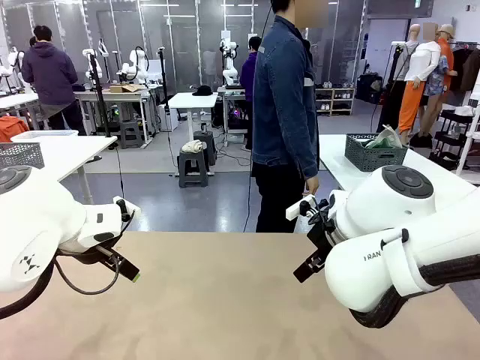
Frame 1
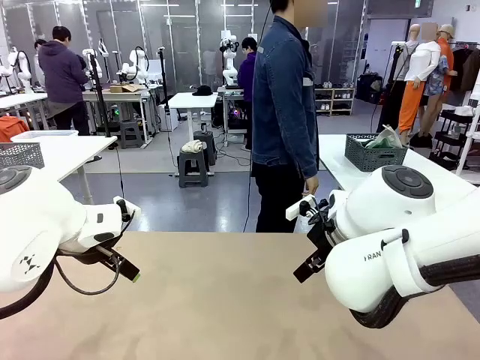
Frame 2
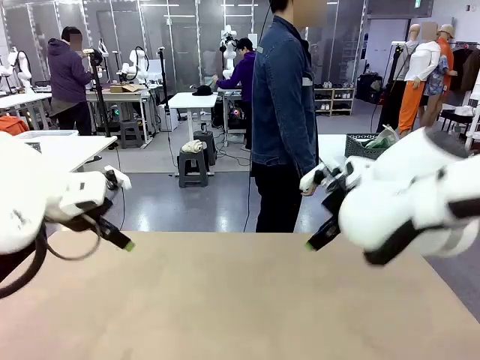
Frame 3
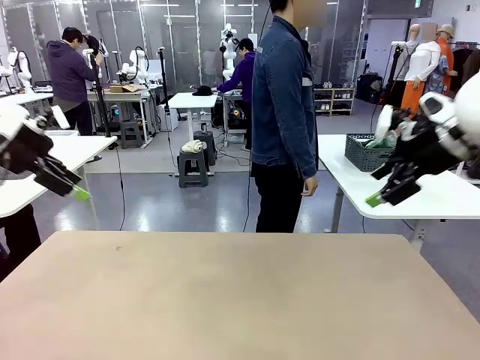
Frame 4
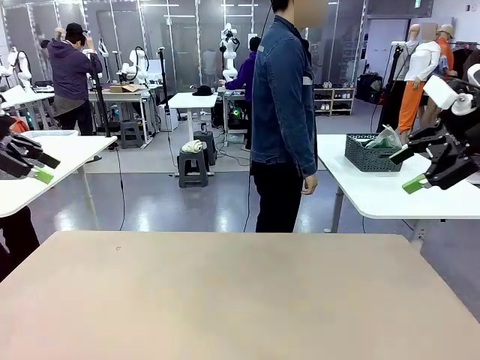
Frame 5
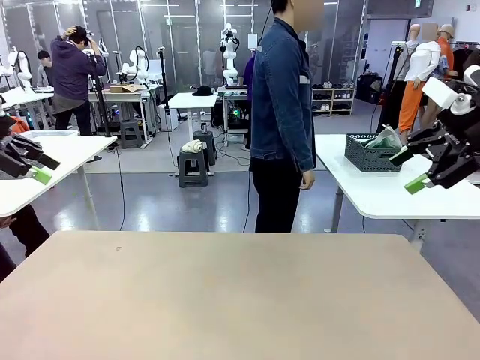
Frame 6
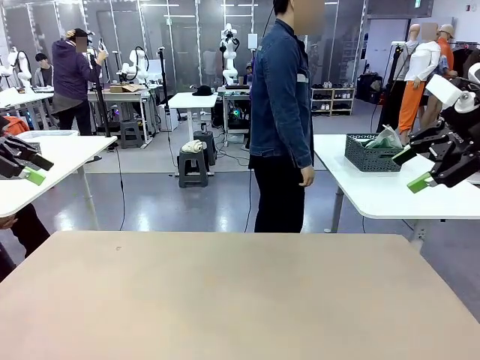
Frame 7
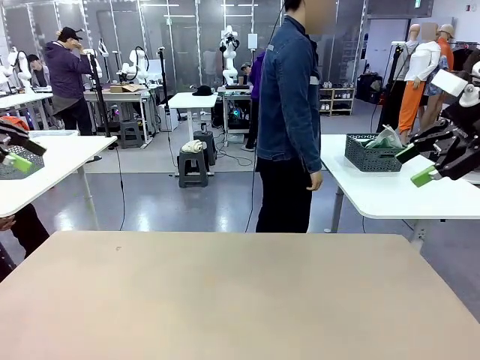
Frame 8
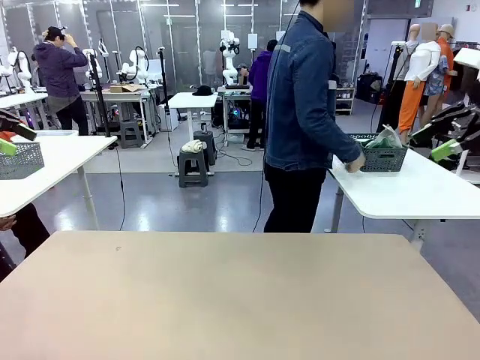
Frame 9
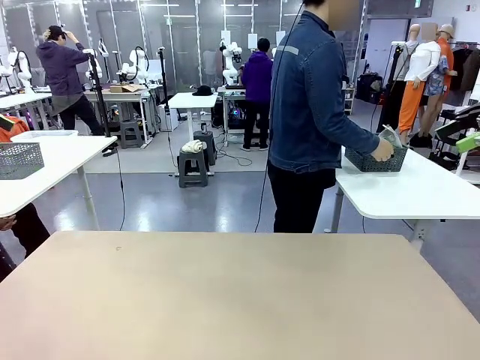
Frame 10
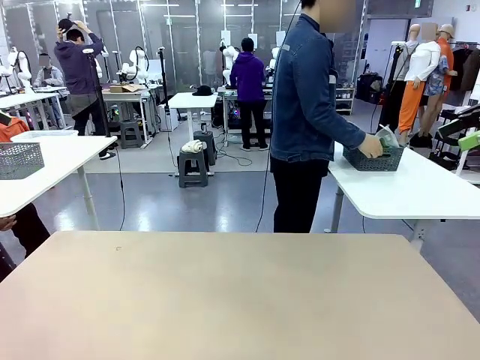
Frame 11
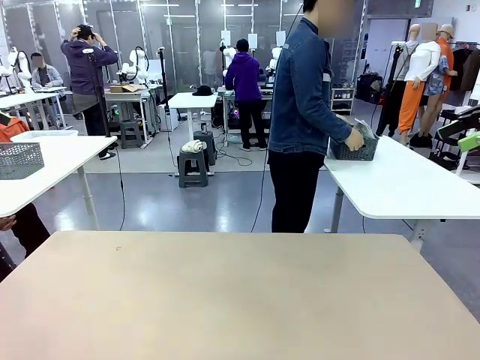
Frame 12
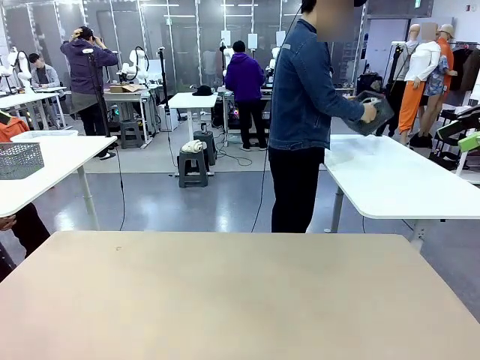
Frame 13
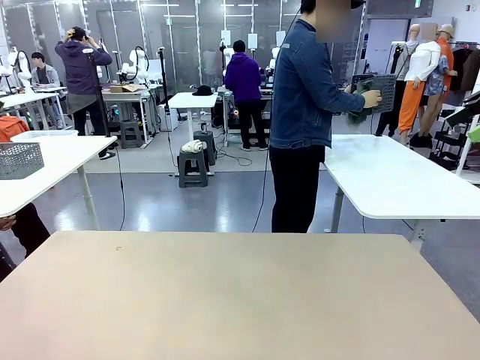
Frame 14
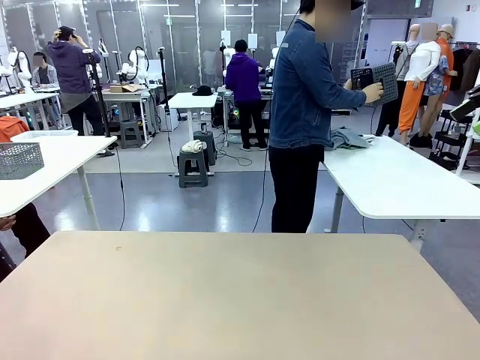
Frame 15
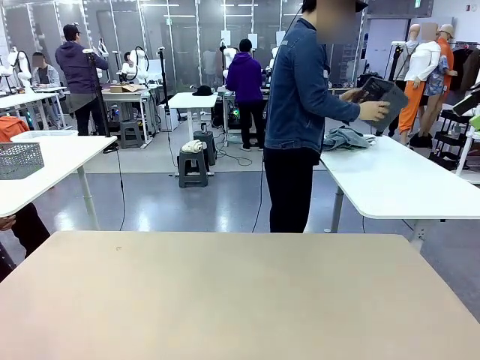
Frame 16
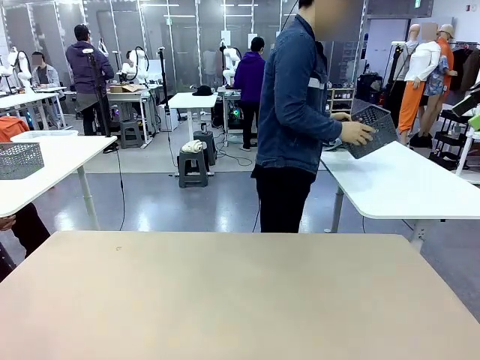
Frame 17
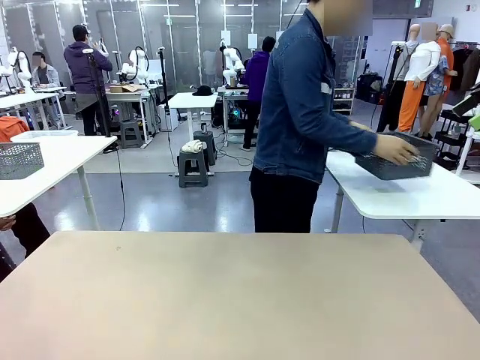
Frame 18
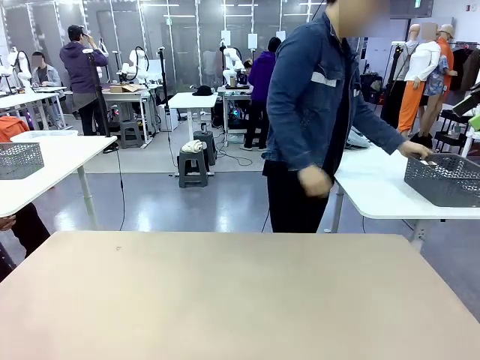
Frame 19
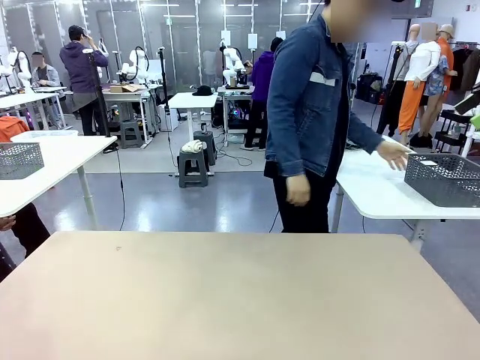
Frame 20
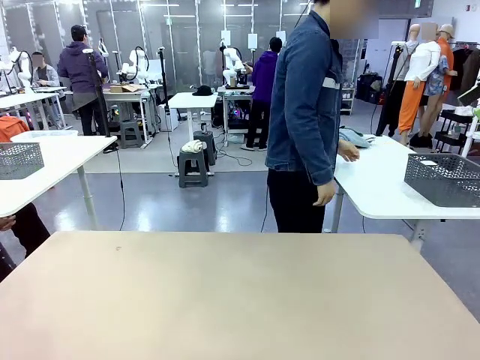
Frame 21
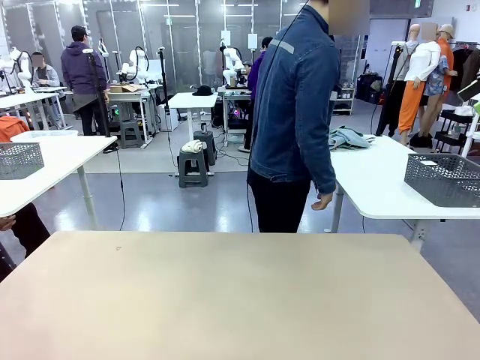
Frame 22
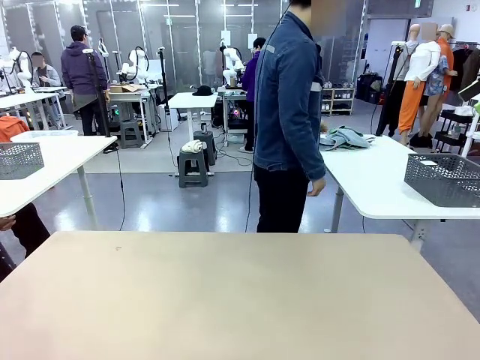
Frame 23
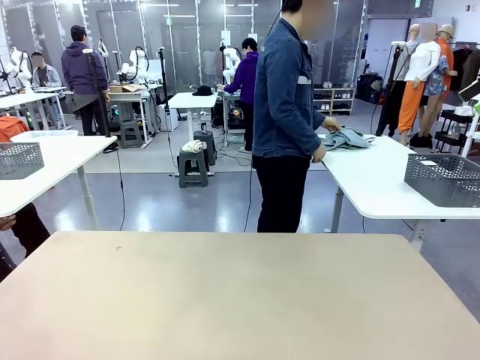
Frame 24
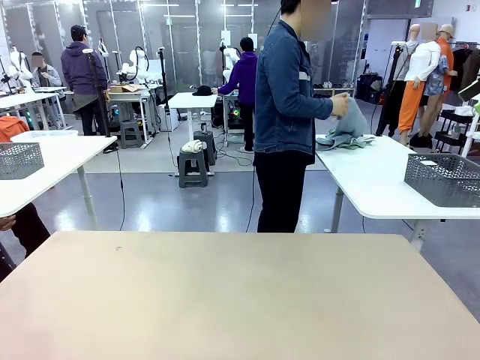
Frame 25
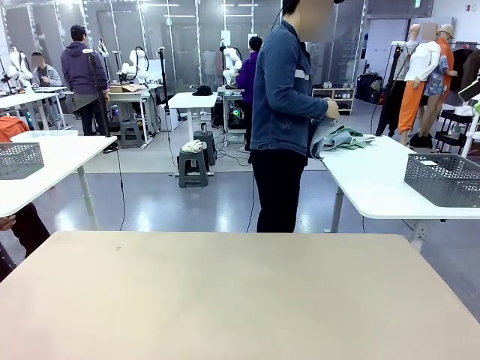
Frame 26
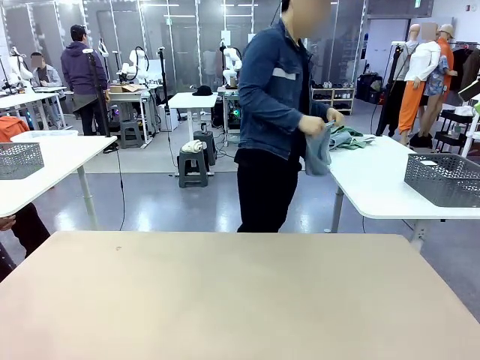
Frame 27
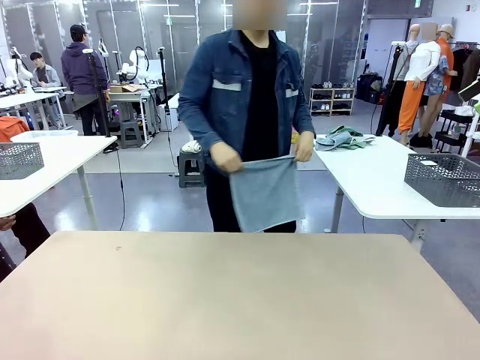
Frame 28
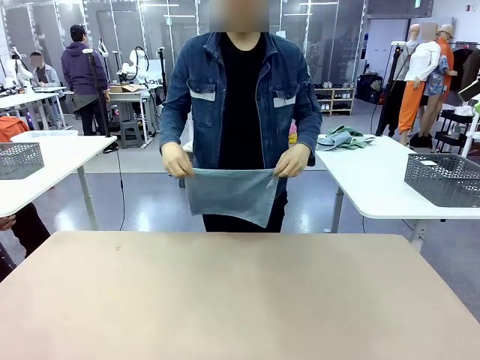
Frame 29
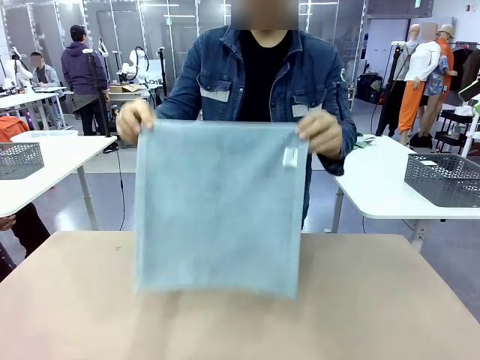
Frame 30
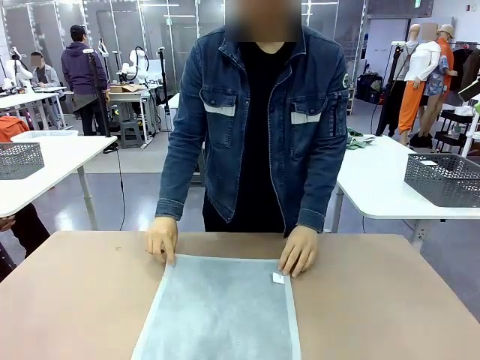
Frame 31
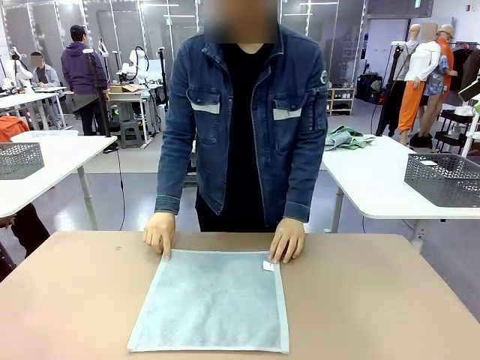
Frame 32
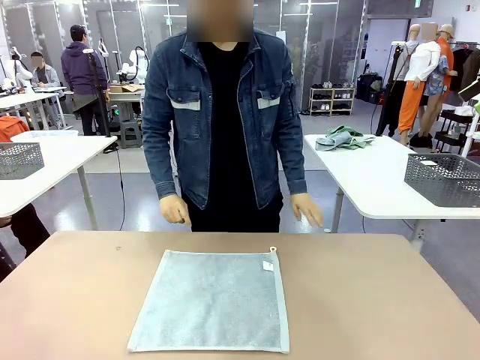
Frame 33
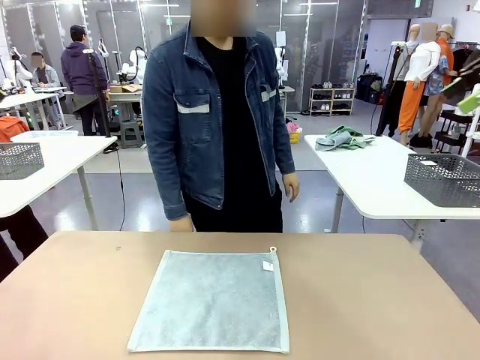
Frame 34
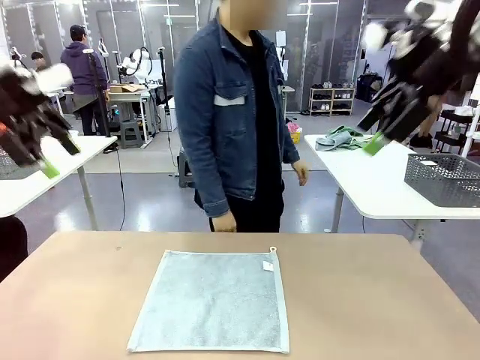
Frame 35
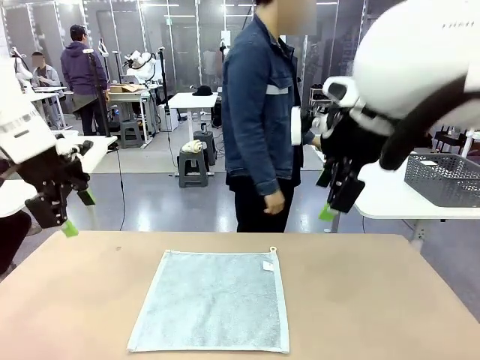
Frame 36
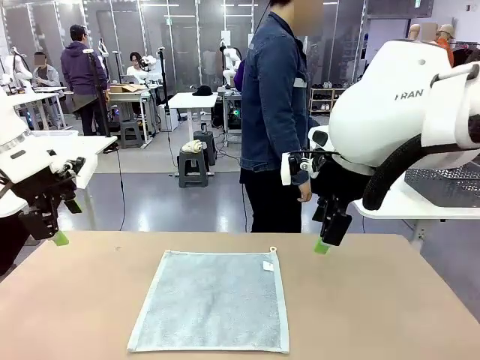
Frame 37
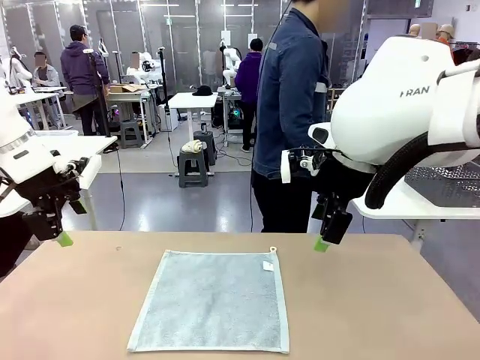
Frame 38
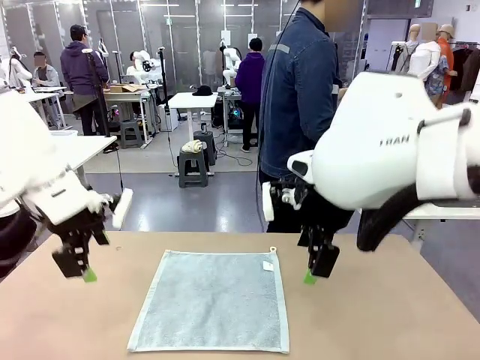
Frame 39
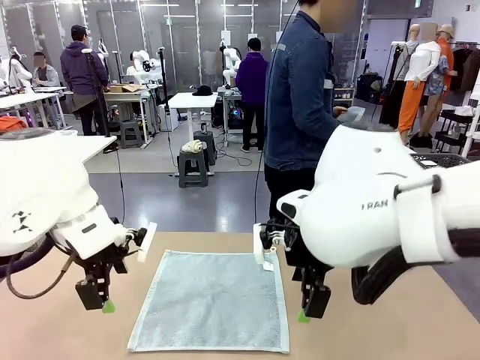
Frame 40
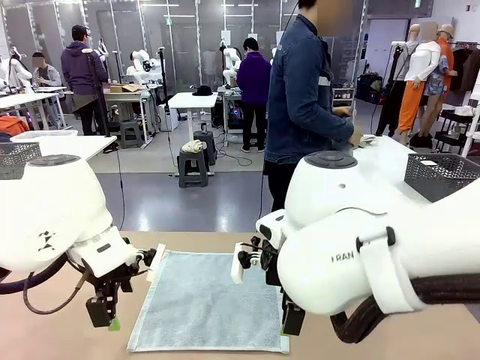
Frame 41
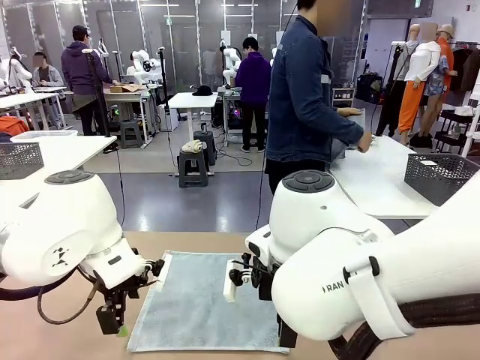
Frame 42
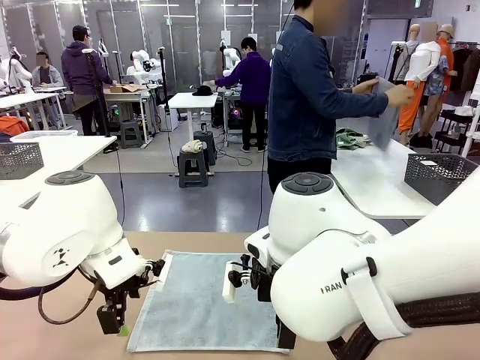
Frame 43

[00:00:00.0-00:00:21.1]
Task: Fold the towels and place them in the basket.
Robot: When a person lays out a Towel with hook on the table, fold it in half twice.
Person: Pick up the basket, pour the towels onto the left side of the human table, and place the basket on the right side. Pick up one towel and spread it out at the center of the robot table.
